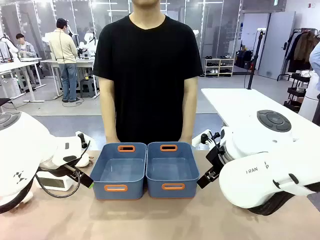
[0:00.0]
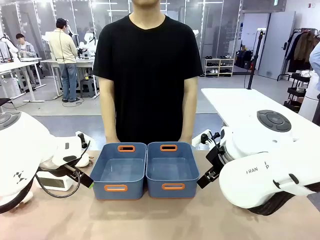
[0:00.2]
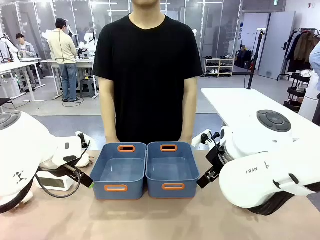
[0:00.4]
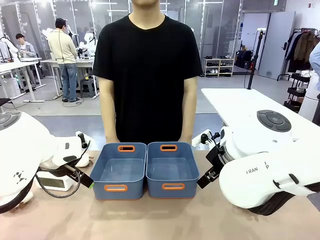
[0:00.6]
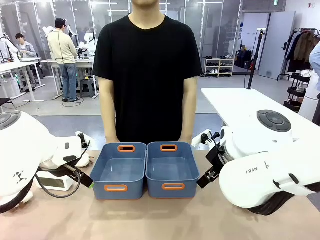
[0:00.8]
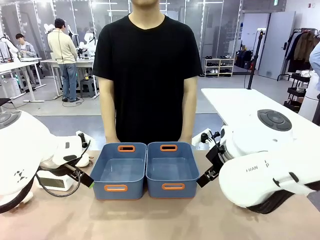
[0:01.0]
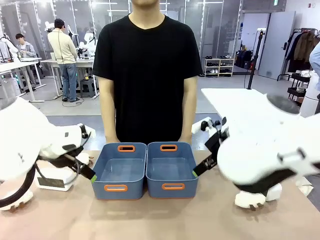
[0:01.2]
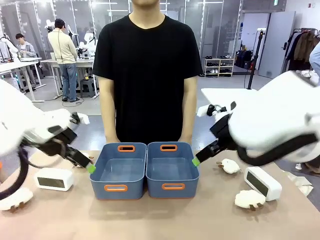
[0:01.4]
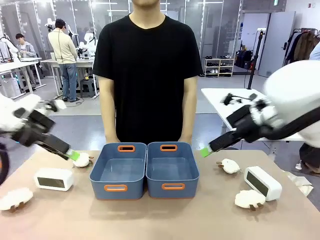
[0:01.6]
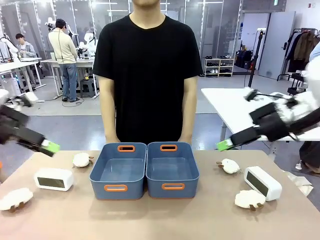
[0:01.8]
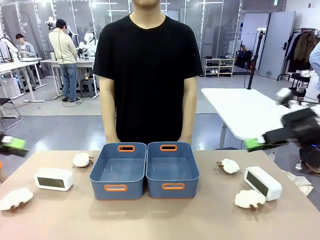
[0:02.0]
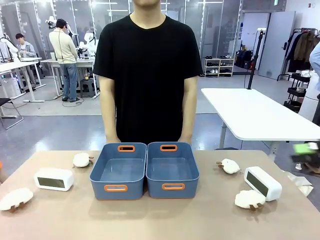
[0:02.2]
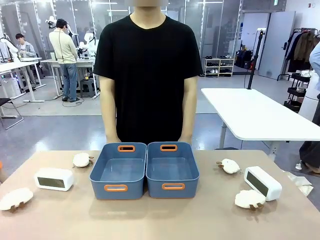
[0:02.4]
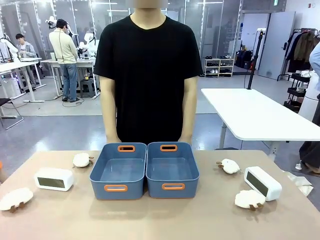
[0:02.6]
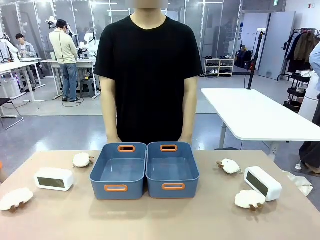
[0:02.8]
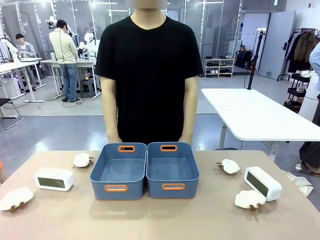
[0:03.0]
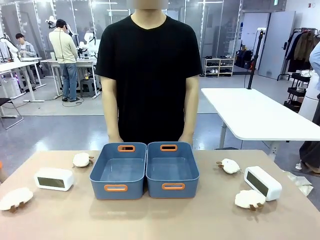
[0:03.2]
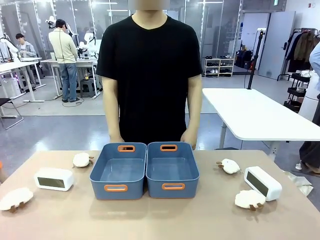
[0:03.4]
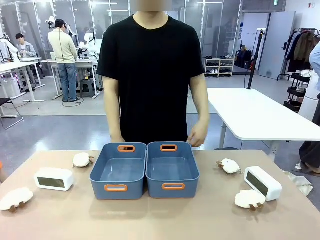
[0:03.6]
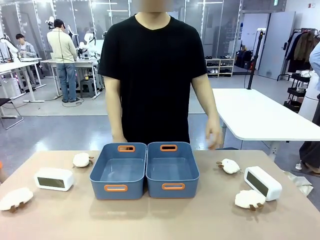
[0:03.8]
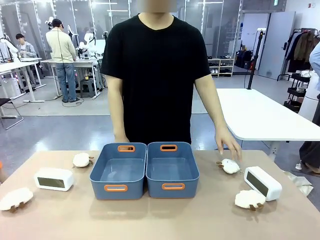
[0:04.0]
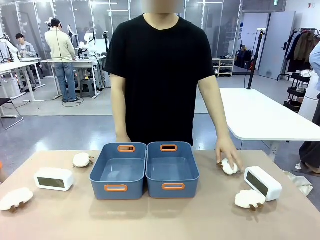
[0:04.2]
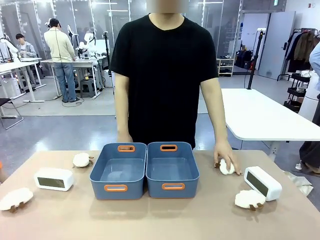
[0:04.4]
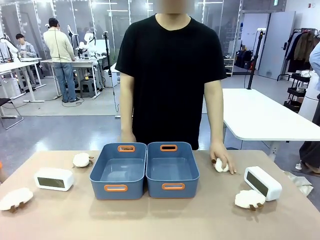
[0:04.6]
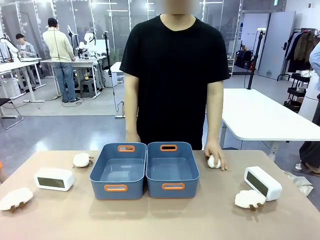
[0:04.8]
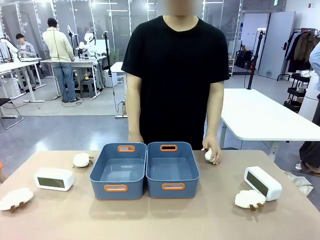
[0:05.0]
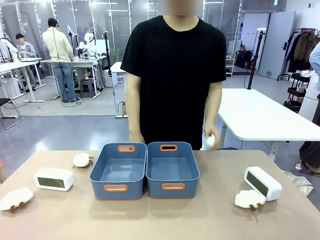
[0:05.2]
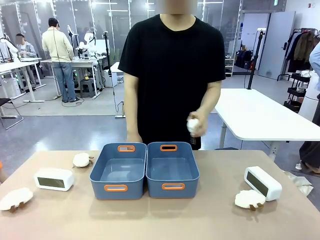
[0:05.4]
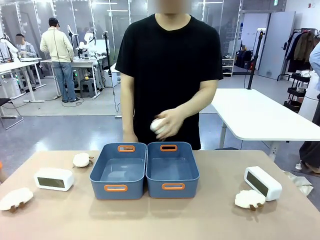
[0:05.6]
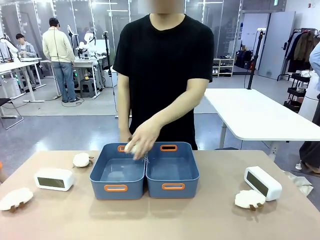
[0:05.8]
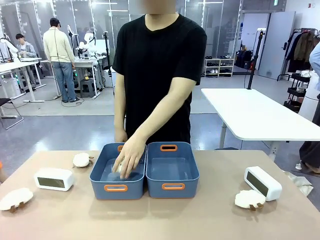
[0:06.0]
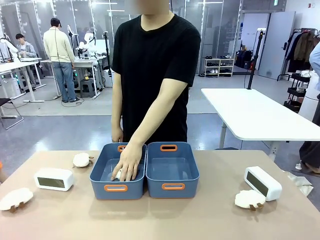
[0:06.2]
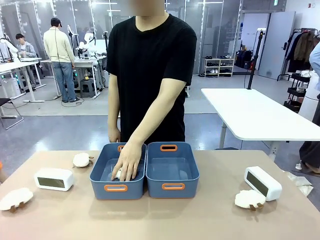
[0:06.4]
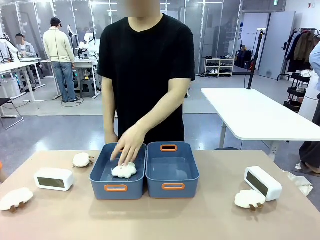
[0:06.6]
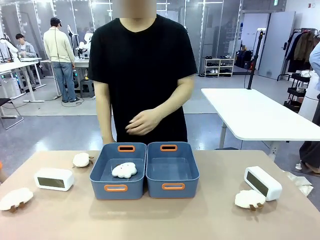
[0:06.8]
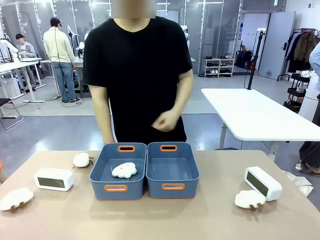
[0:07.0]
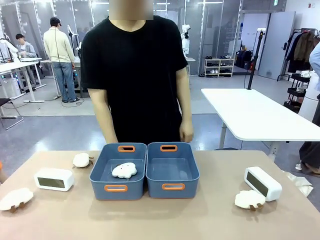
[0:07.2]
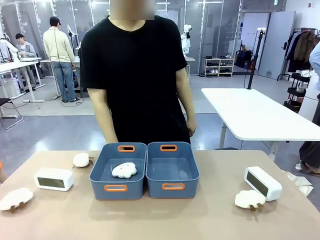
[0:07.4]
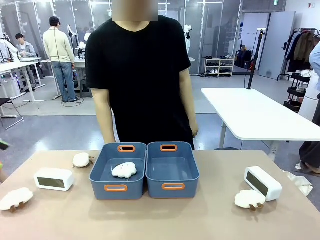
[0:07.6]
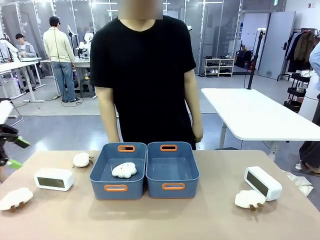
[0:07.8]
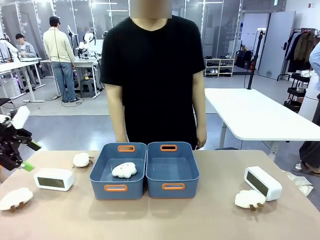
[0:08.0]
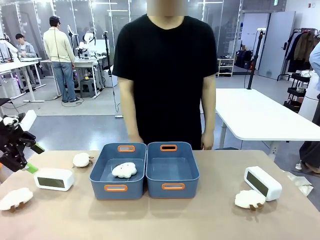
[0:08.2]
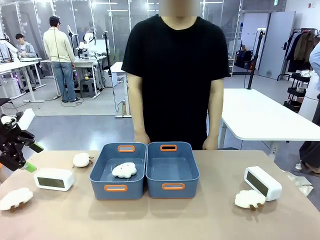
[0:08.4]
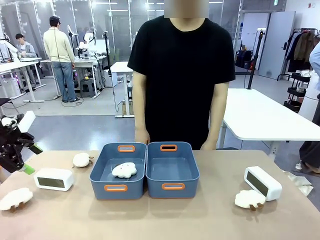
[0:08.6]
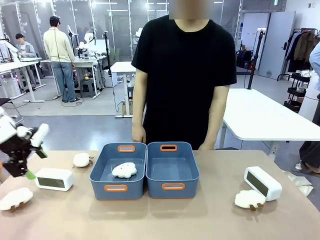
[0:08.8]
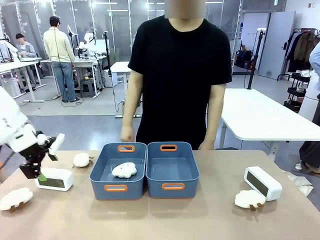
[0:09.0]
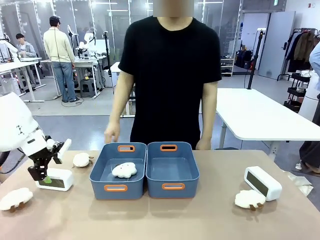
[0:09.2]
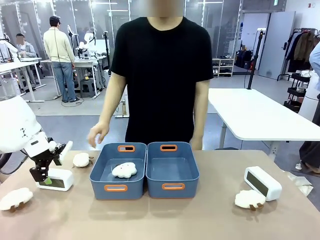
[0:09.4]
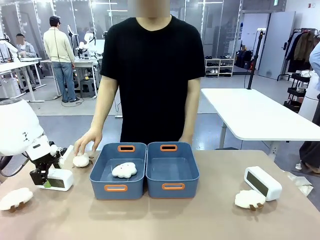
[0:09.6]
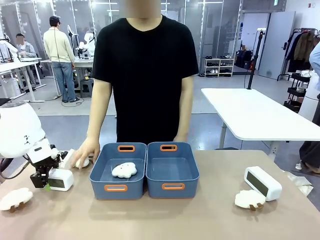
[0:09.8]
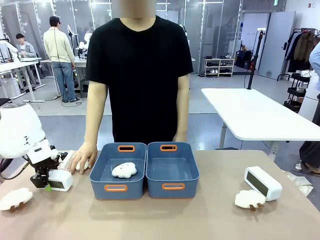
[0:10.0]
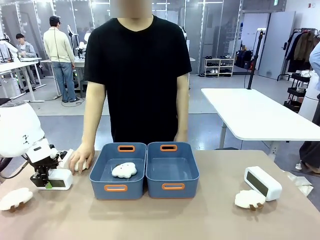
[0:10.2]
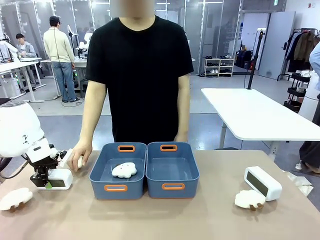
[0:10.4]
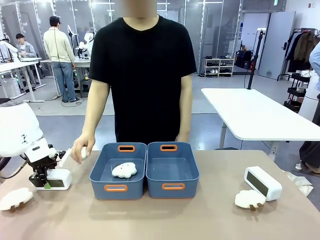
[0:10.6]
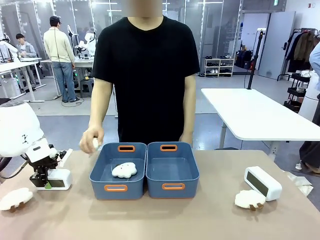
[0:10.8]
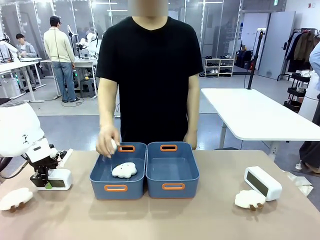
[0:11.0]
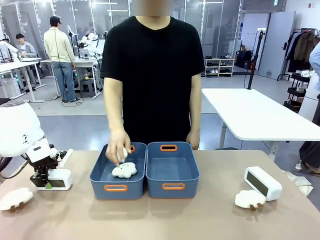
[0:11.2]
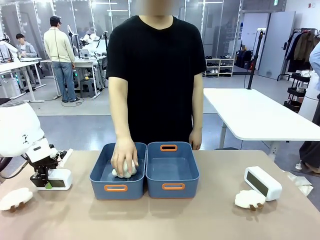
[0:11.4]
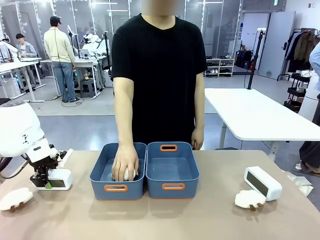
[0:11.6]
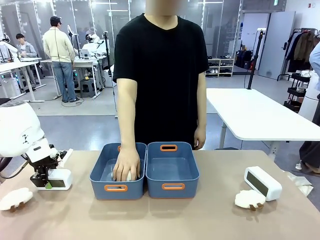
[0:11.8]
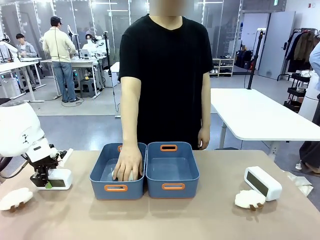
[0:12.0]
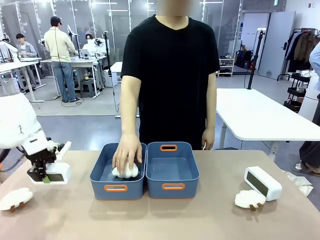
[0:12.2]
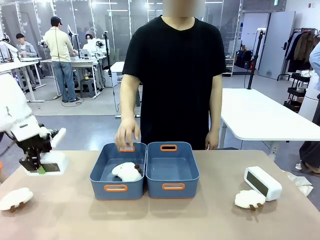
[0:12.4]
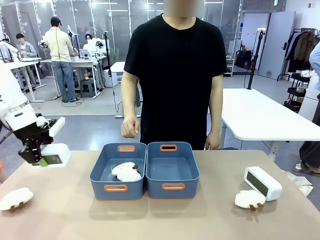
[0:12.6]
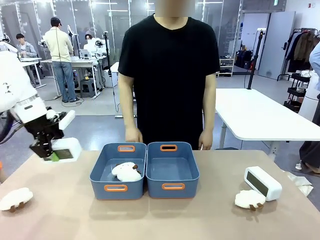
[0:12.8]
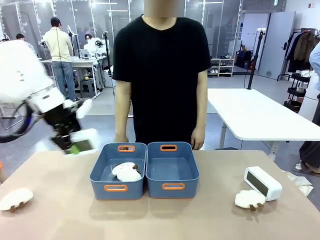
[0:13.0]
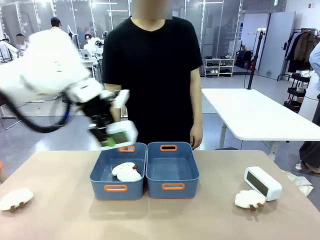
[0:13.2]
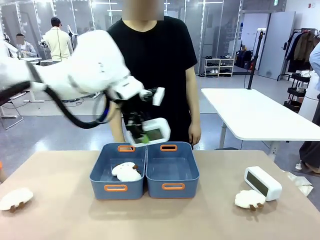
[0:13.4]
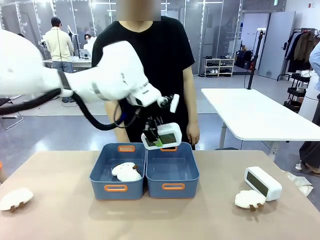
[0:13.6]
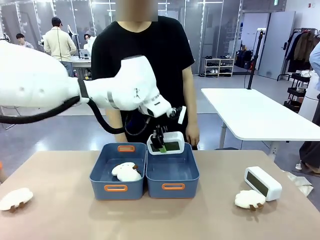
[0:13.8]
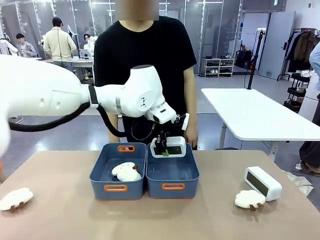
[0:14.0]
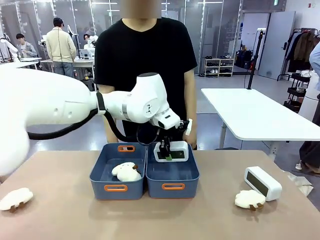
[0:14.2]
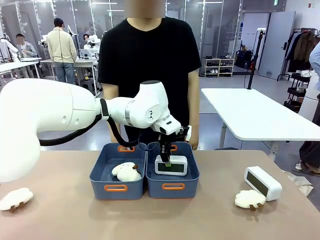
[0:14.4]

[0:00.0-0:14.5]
Task: Sort the digital clocks into the basket.
Robot: Pick up the Digital clock from the table and place it into the empty Plastic storage basket.
Person: Pick up a plush toy from the table and place it in a plastic storage basket.
